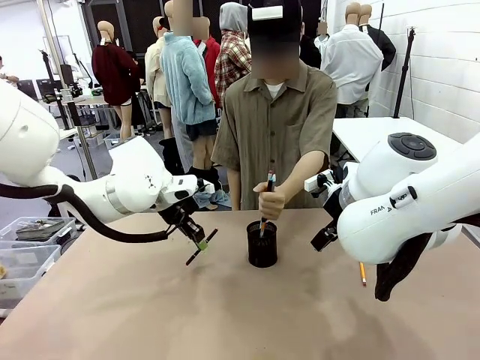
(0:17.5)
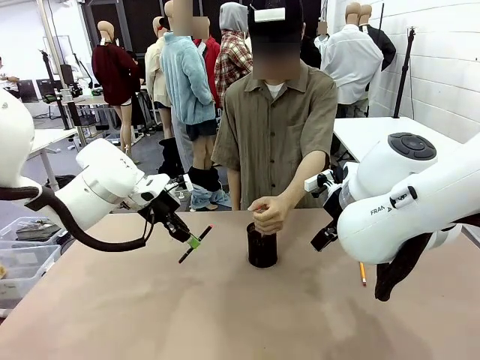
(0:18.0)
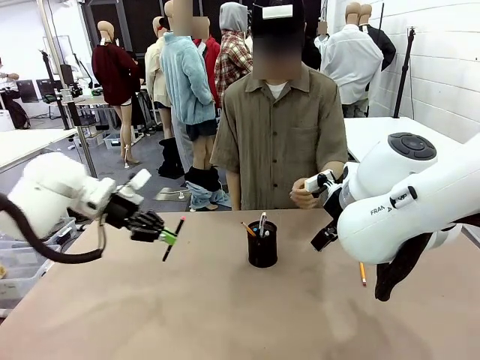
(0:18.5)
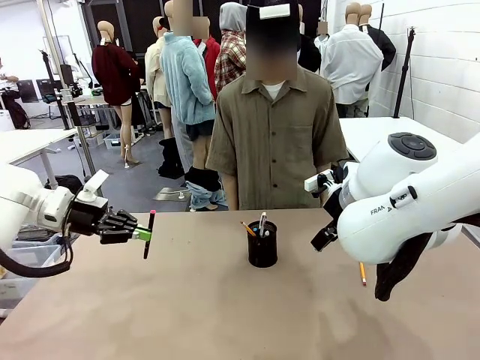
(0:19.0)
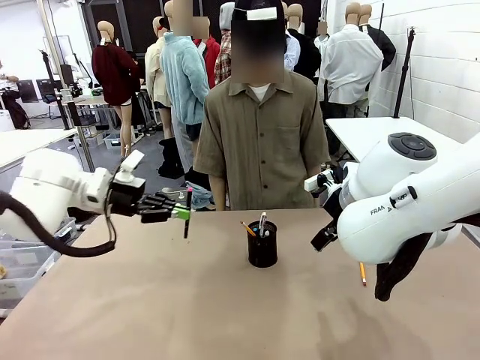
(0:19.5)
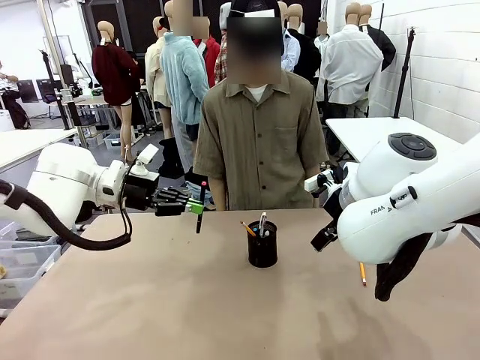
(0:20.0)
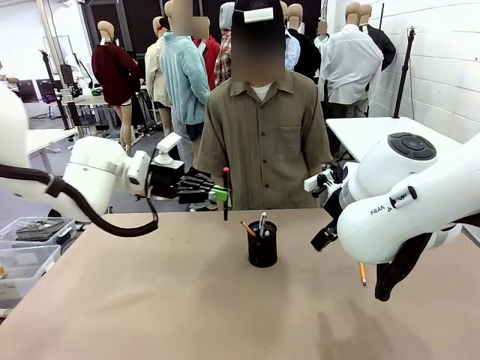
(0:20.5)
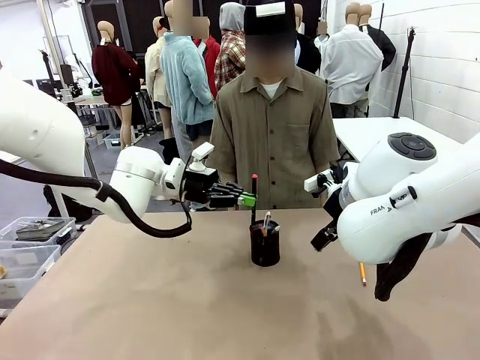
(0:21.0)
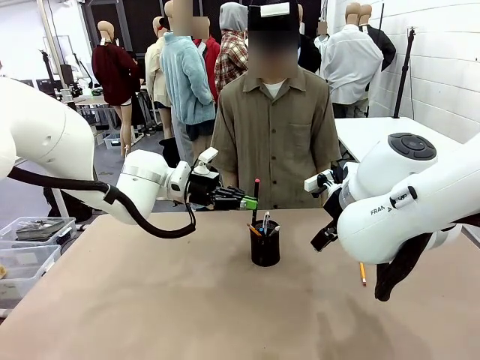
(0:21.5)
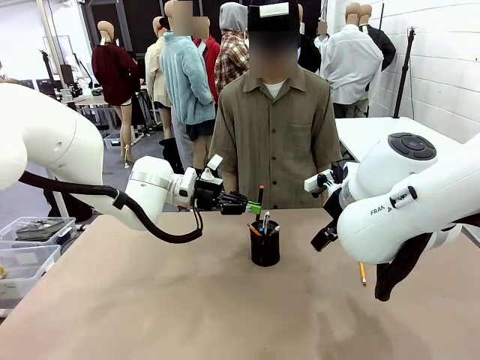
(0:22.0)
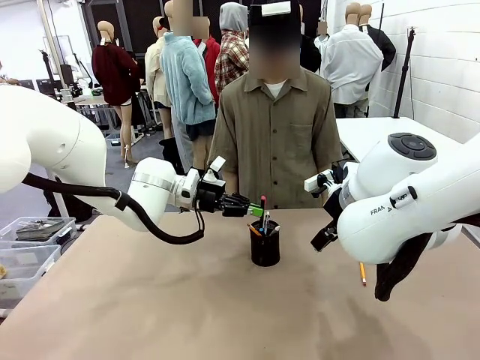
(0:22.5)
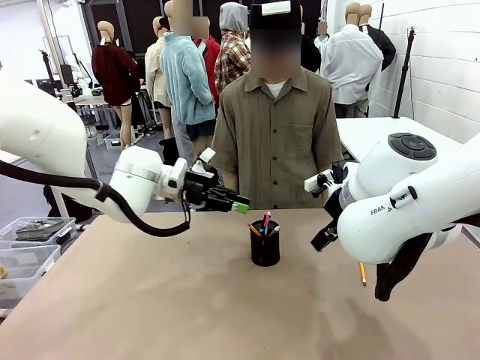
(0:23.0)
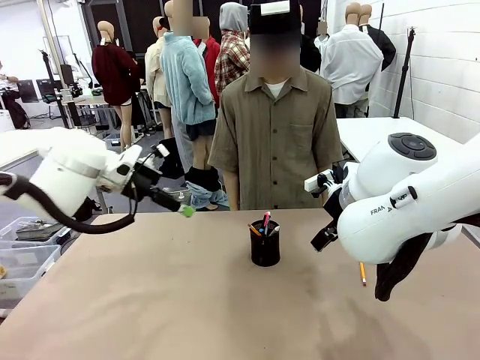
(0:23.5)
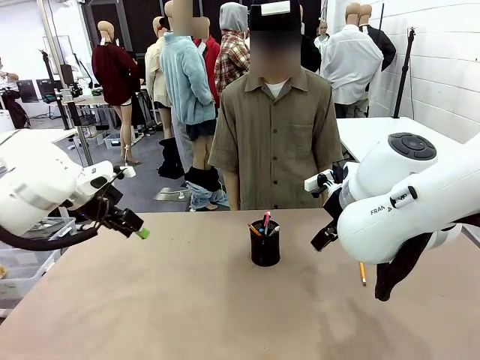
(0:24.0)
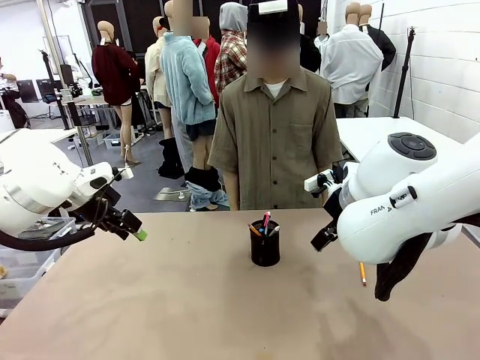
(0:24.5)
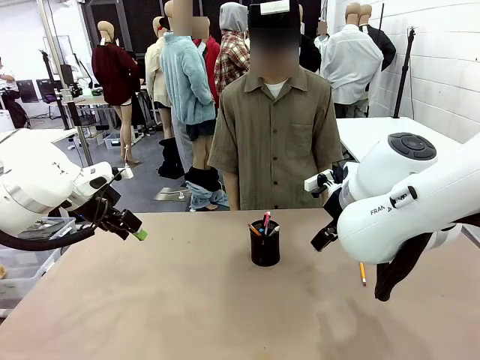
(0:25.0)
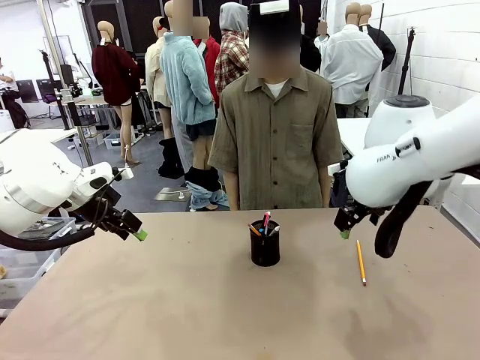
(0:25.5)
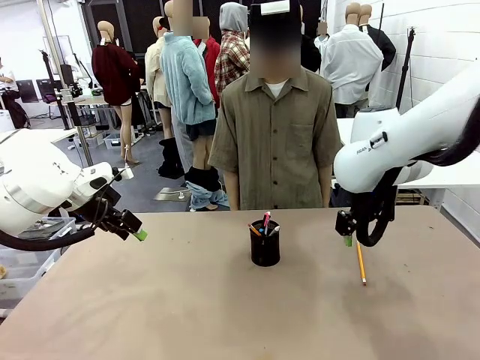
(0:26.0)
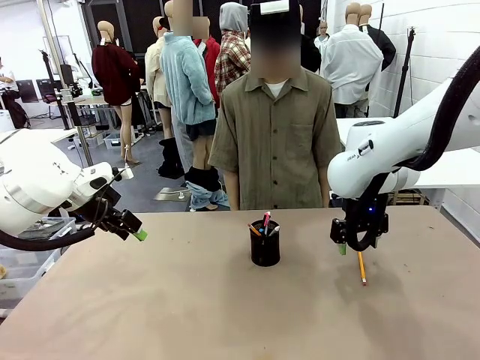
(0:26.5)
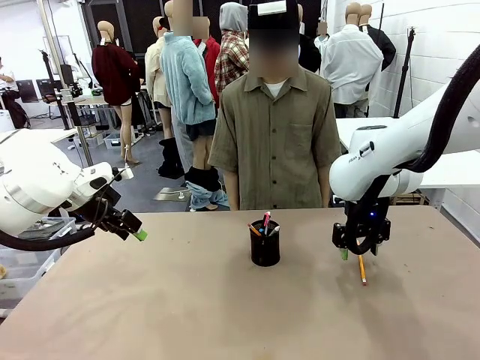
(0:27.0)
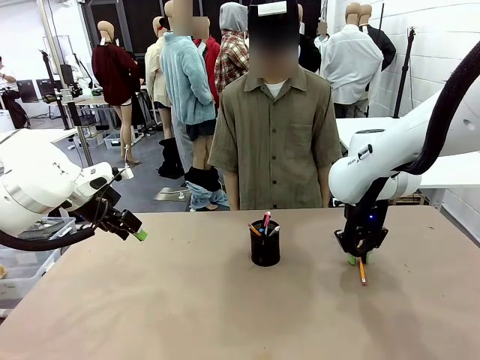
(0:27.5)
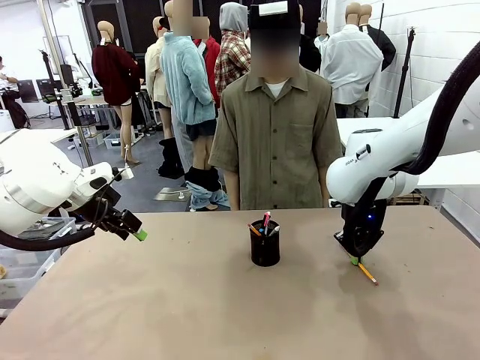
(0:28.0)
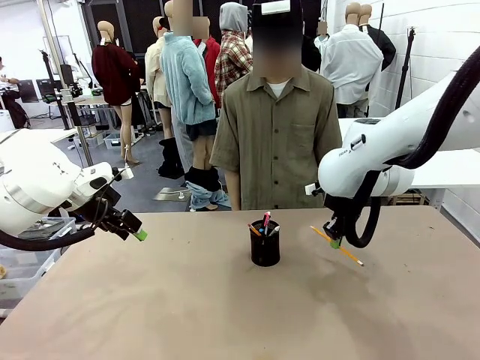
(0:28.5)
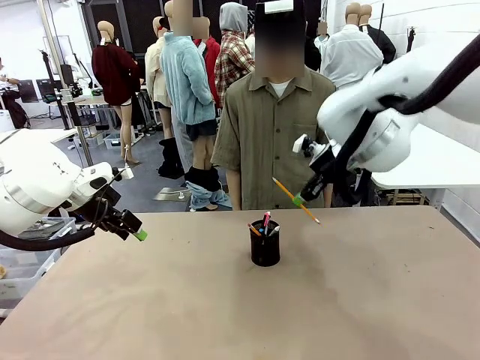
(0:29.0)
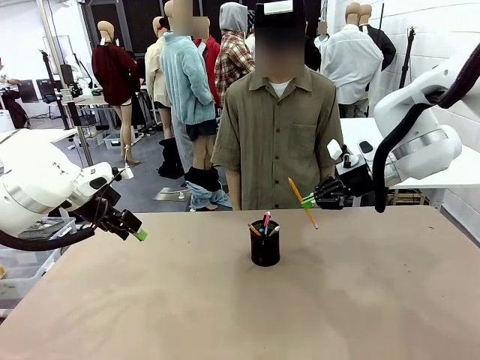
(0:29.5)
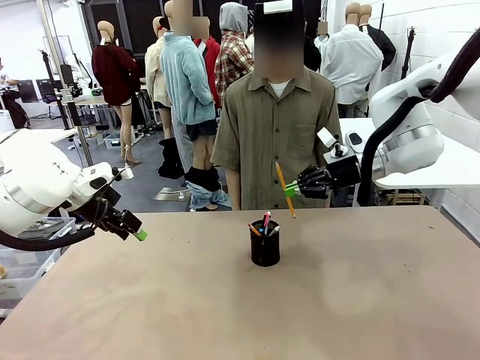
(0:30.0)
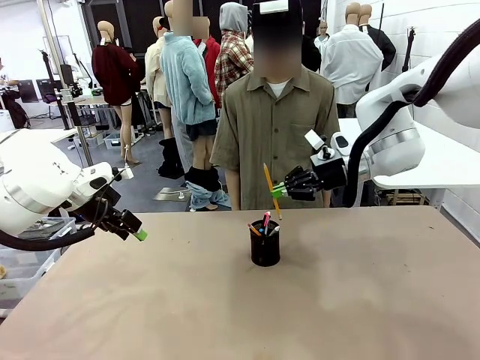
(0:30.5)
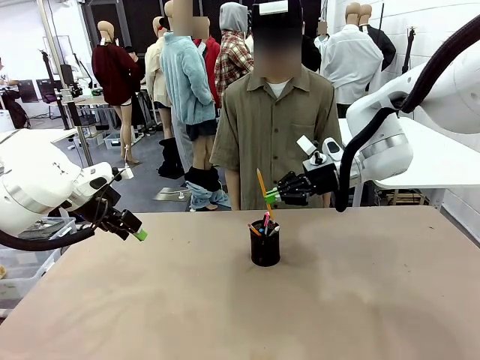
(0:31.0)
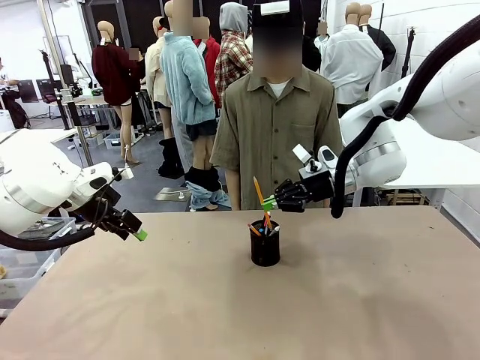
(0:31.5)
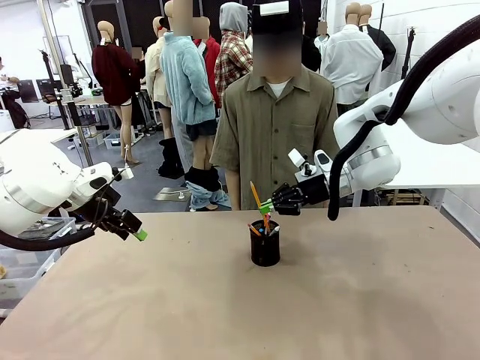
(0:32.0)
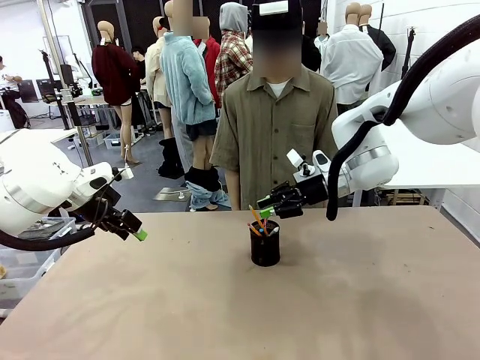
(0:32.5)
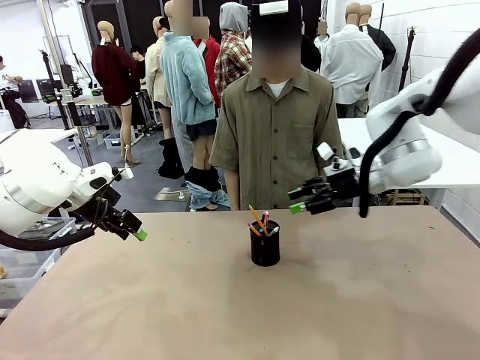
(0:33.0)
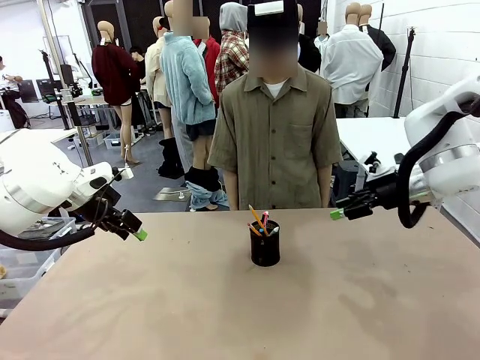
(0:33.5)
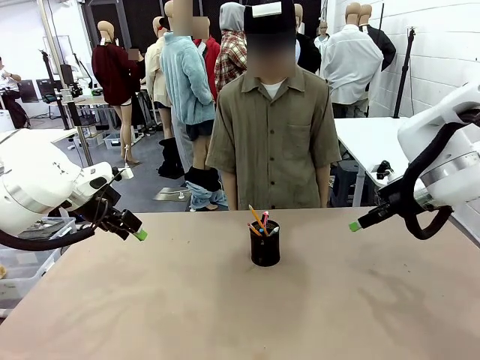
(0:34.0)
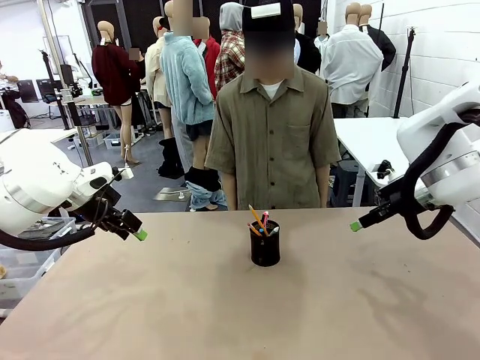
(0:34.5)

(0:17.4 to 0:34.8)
Task: Place the pens into the pen holder.
Robot: Pick up a writing instrument from the table and place it into the Pen holder.
Person: Place all writing instrument into the Pen holder.

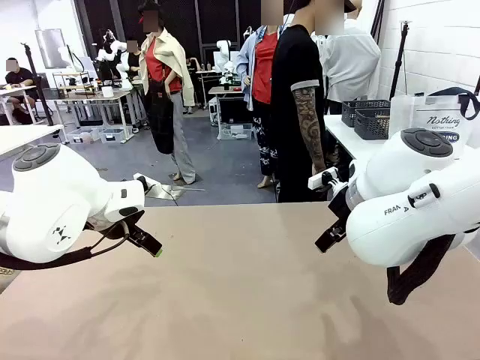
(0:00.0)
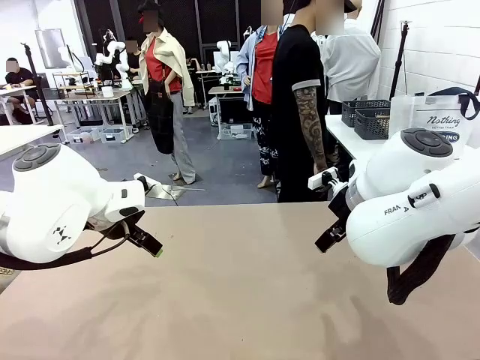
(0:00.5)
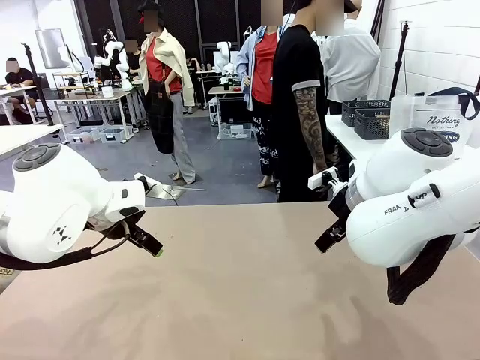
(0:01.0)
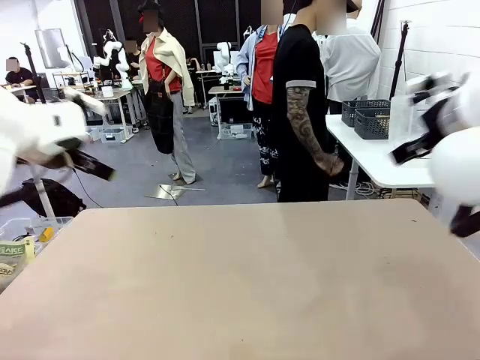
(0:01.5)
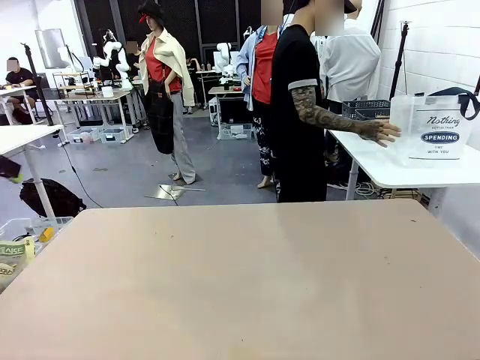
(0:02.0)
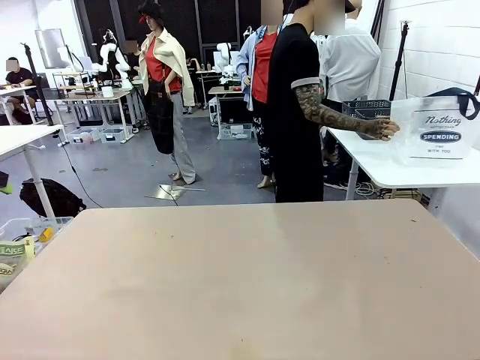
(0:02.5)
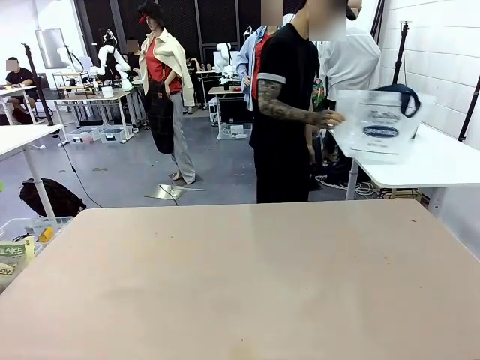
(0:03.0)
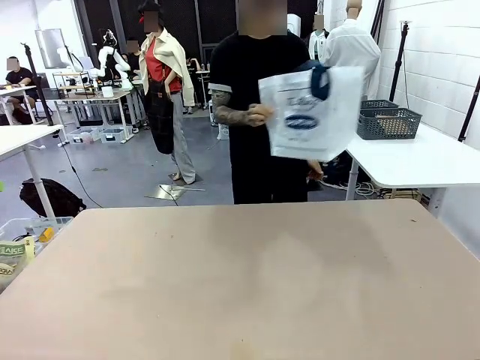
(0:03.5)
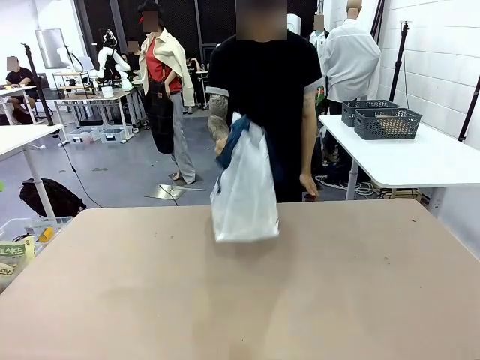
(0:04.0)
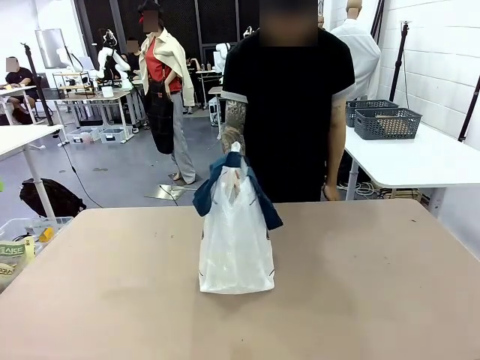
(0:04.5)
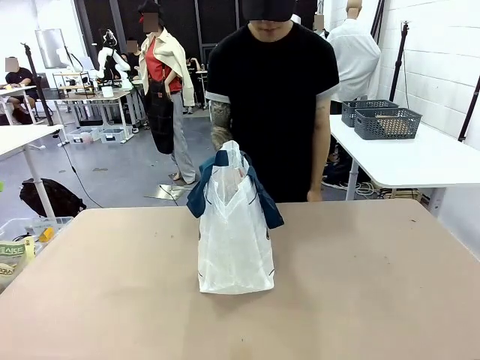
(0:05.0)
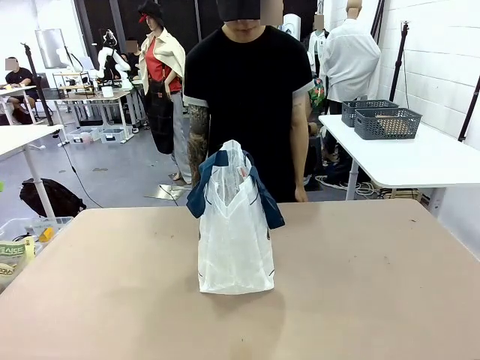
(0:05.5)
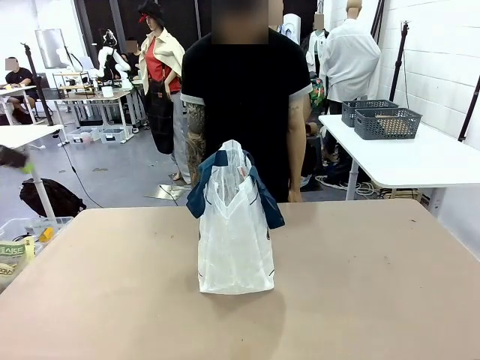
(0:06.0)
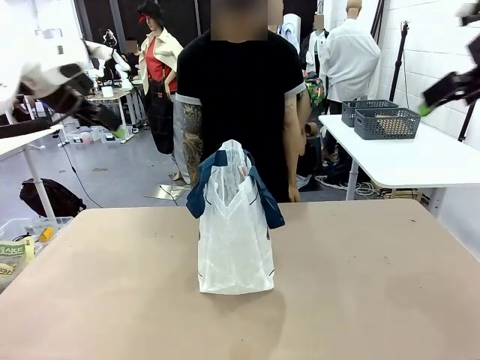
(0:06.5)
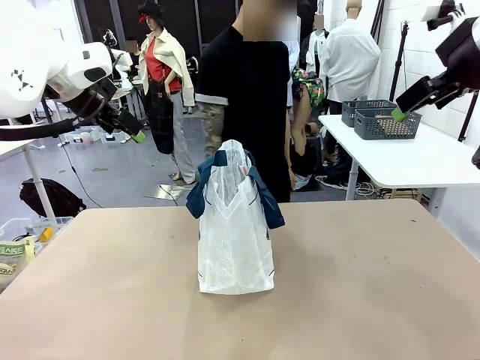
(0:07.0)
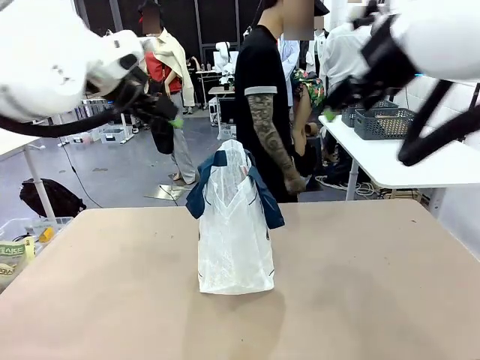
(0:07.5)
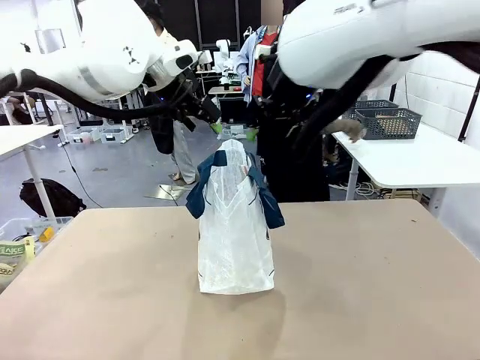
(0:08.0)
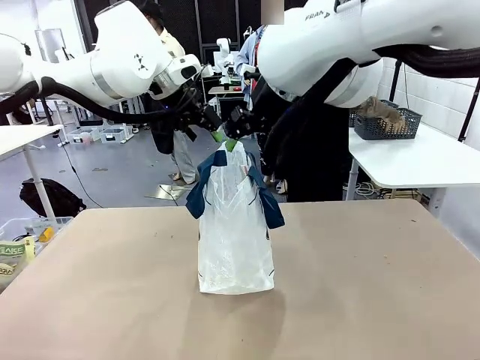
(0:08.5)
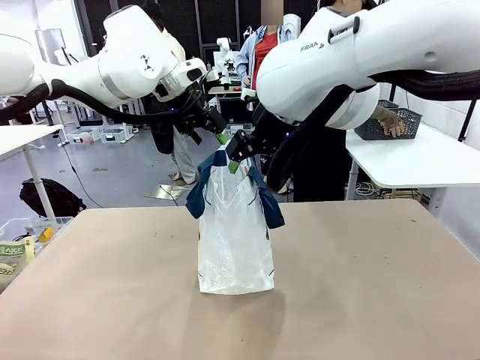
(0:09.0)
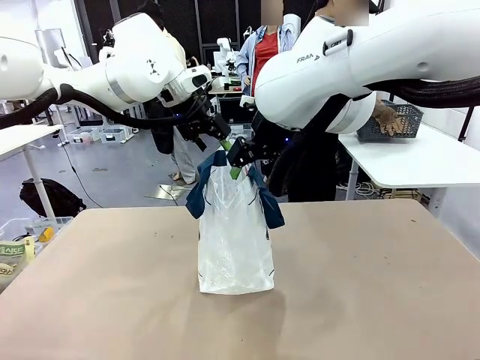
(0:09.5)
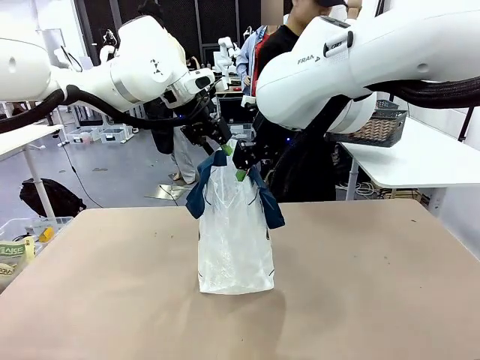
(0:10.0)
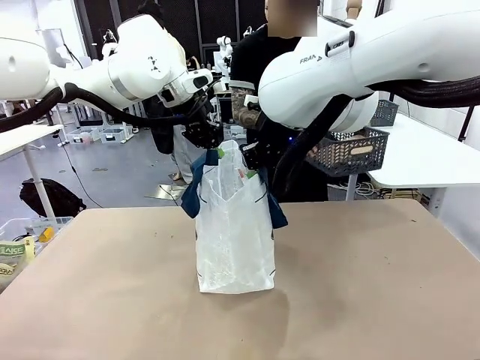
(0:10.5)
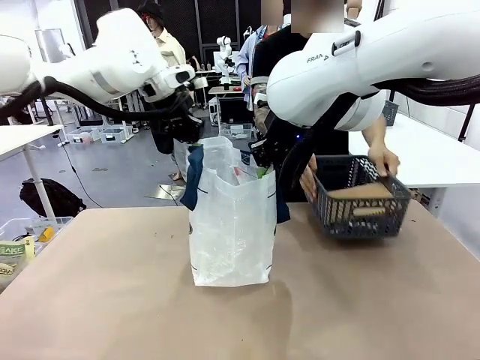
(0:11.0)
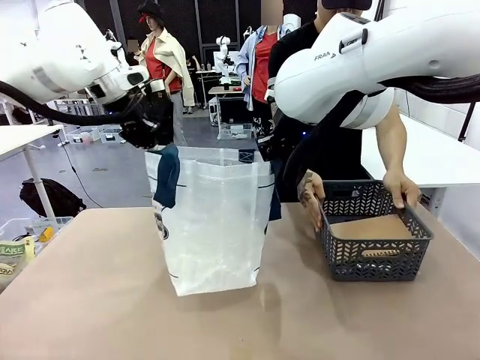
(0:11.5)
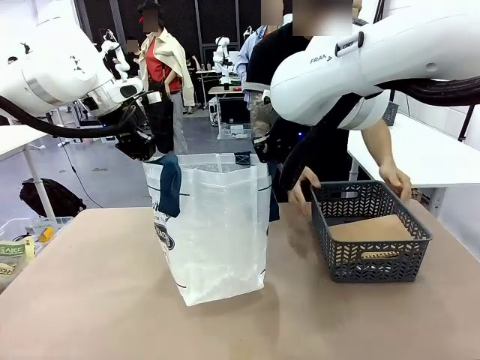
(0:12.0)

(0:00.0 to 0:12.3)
Task: Transfer purchased items from the store into the shopping bag.
Robot: Open the Reusable shopping bag in the center of the table.
Person: Pick up the shopping bag and place it in the middle of the robot table. Pick up the basket on the right, place it on the left side of the robot table, and move the items in the basket to the shopping bag.
